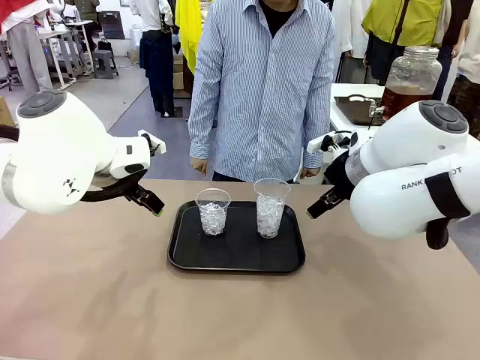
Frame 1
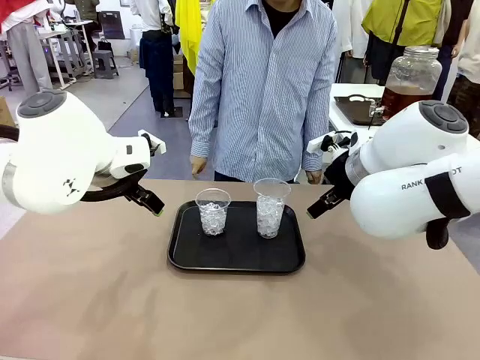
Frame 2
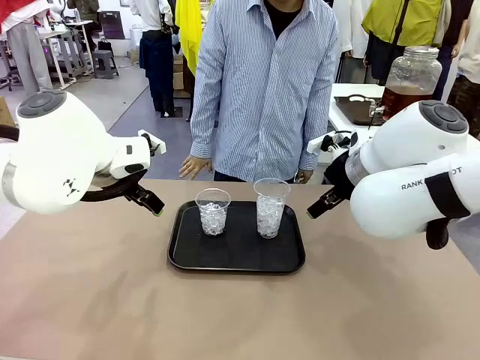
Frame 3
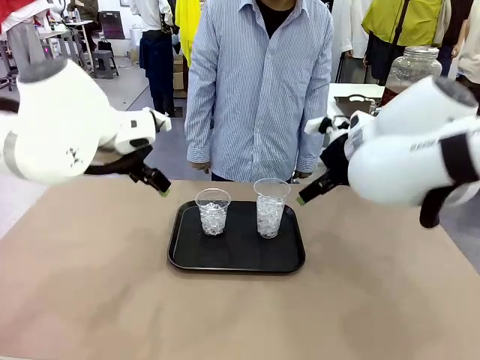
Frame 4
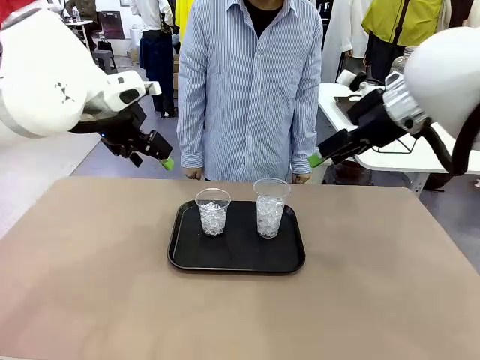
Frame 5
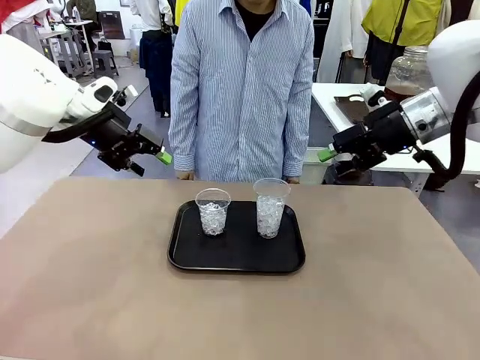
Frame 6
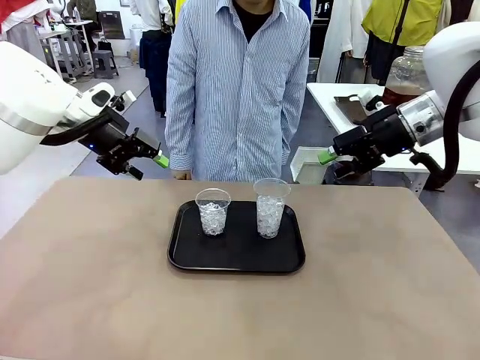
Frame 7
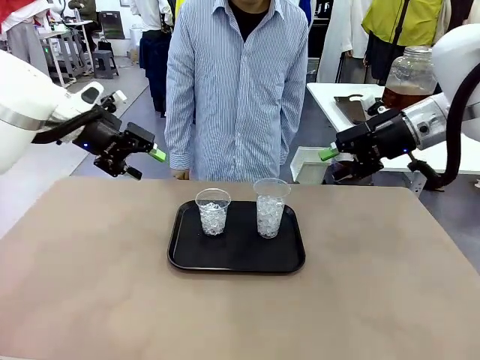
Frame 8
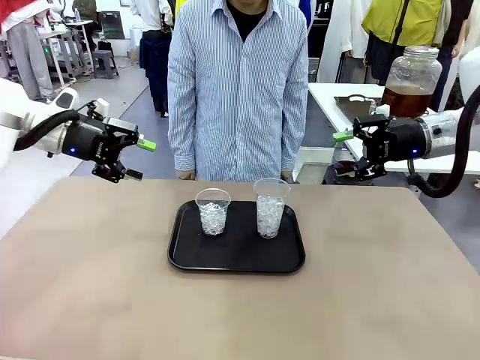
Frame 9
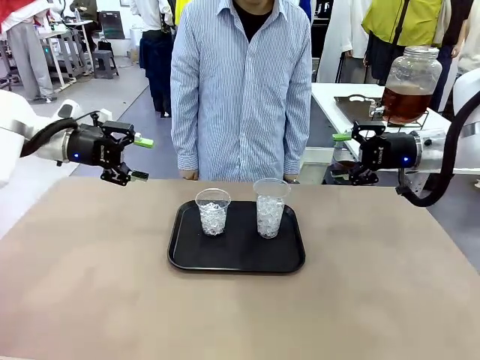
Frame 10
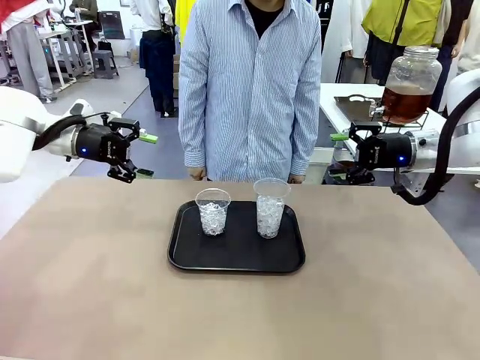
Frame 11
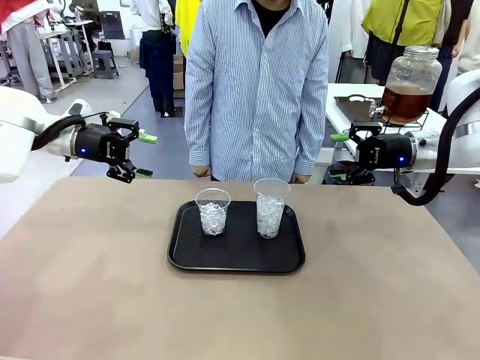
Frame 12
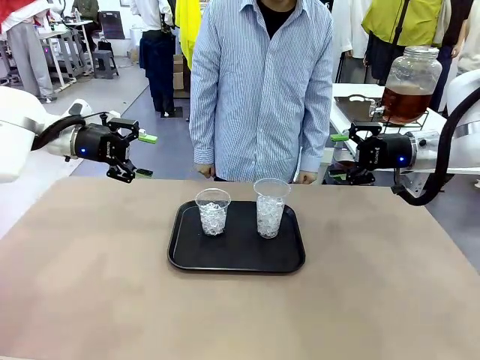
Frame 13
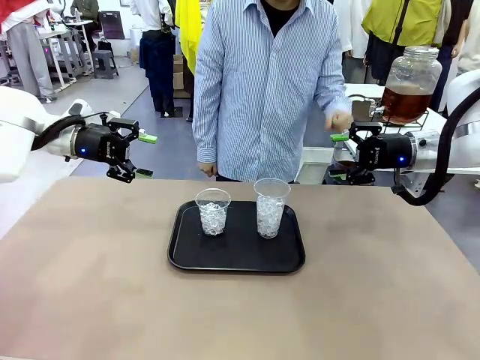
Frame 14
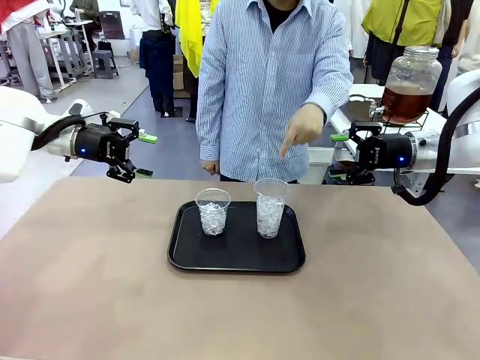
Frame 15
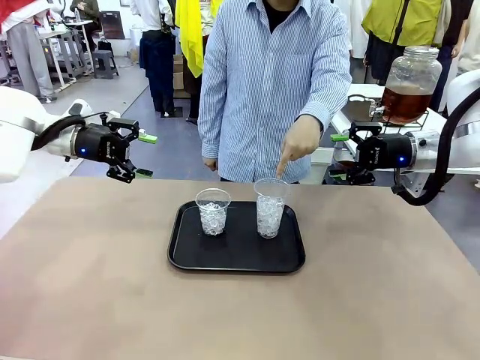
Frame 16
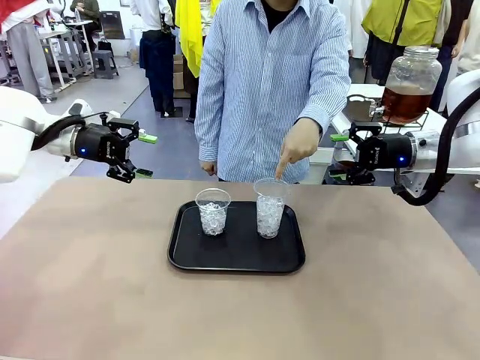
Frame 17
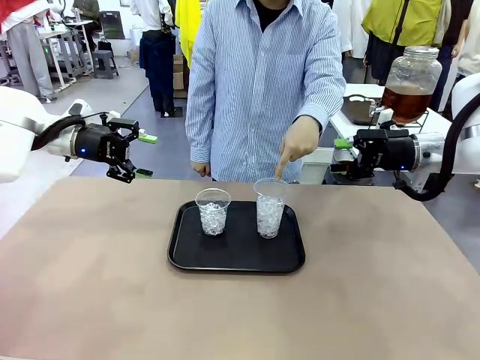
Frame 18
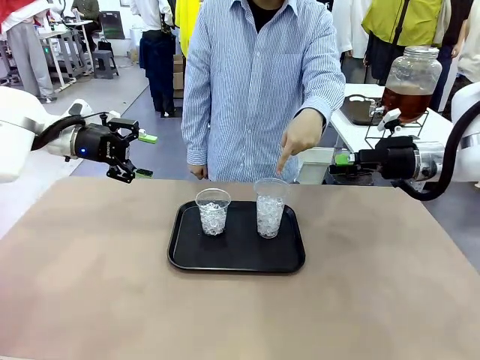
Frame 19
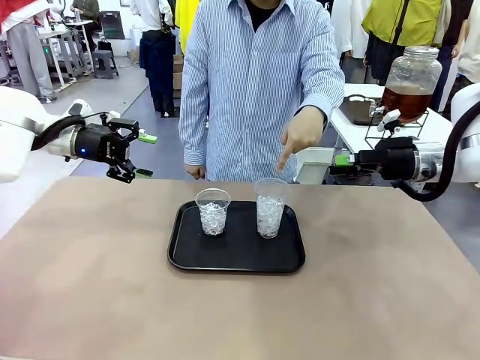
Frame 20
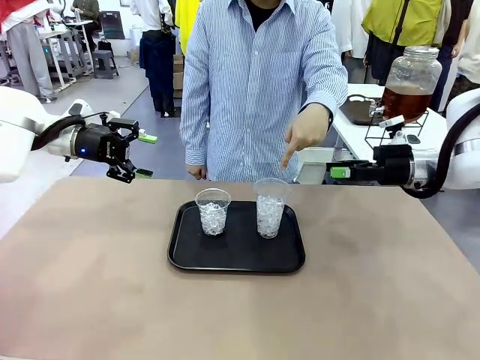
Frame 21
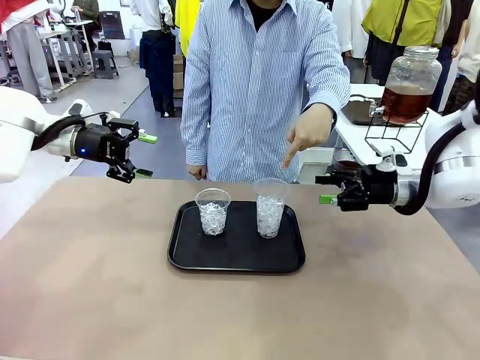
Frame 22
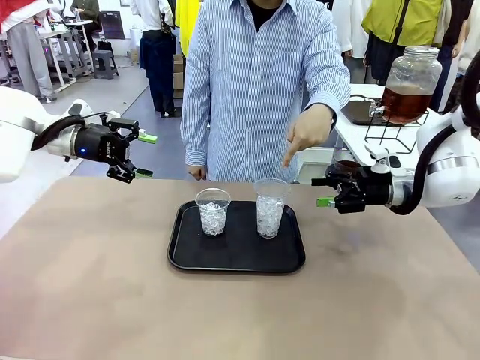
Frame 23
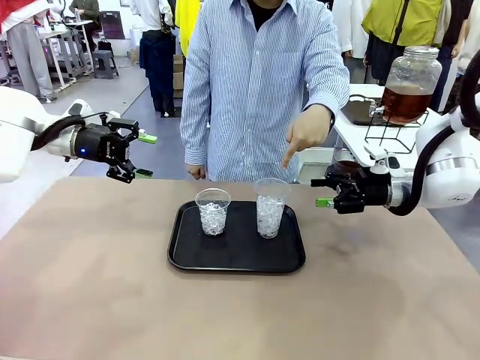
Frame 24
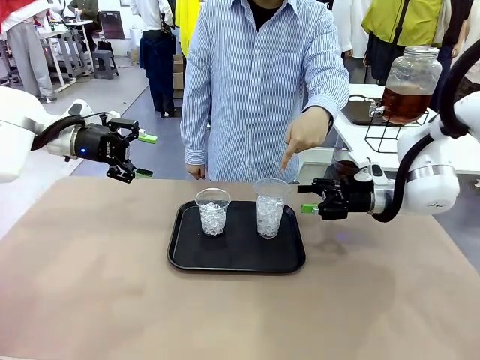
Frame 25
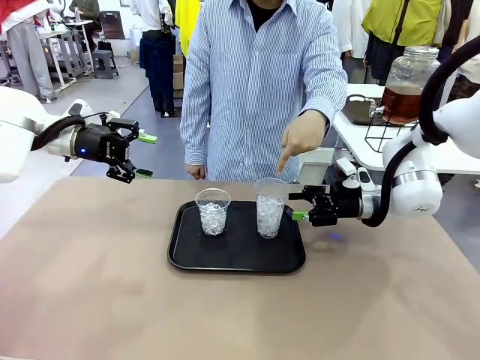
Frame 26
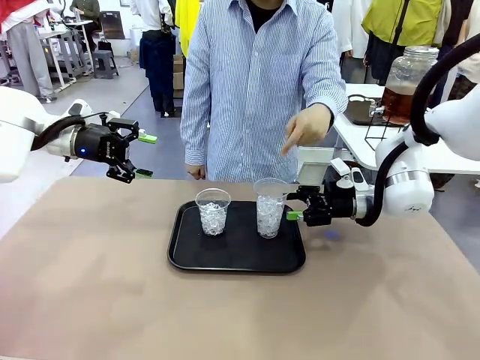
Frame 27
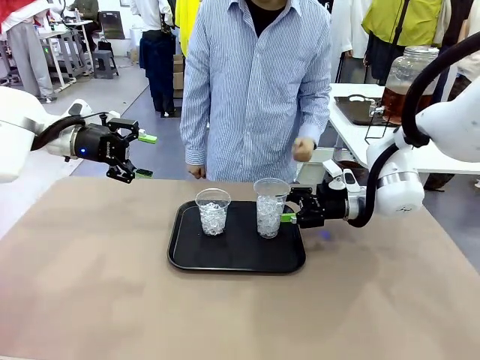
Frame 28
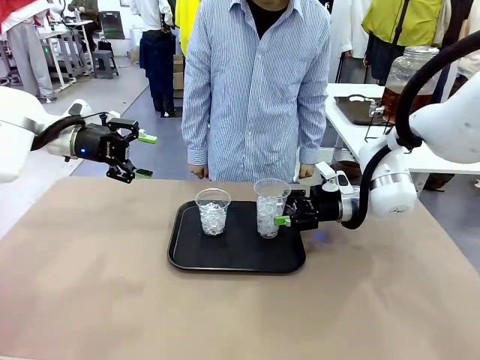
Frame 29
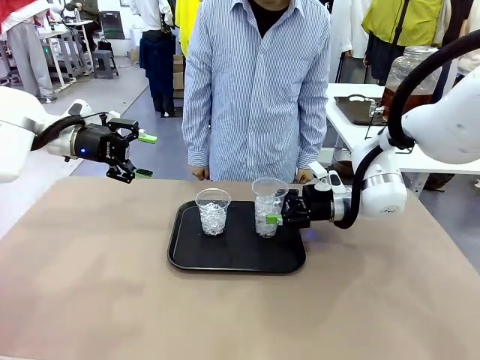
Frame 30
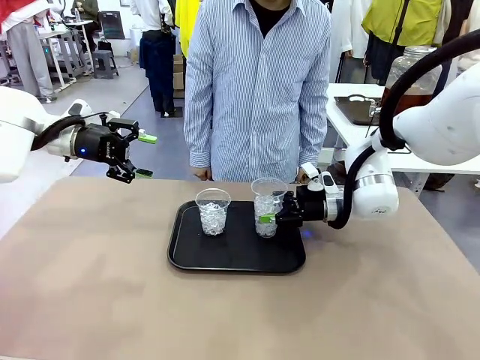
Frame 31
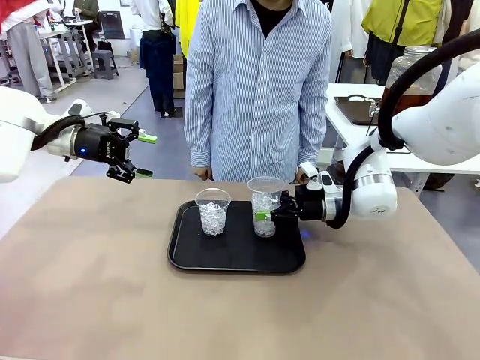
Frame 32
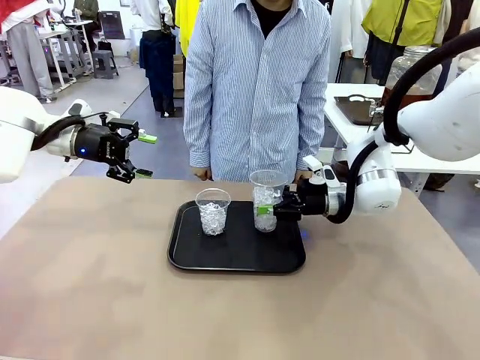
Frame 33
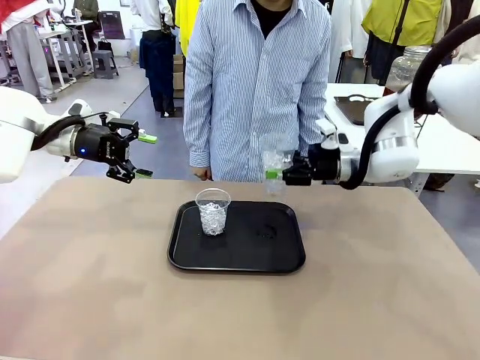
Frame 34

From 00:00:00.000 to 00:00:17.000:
Task: Pour the drink into the iced cup.
Robot: Pick up the iced cup indicated by the human and present it to them.
Person: Point to one of the two ice cups. Pick up the cup offered by the robot.

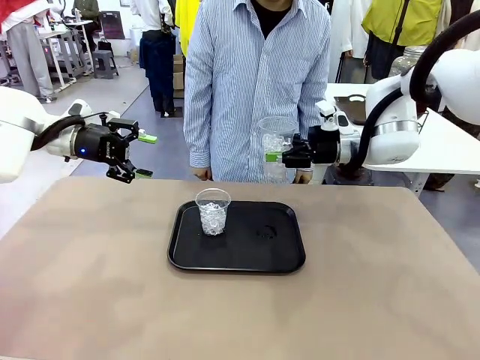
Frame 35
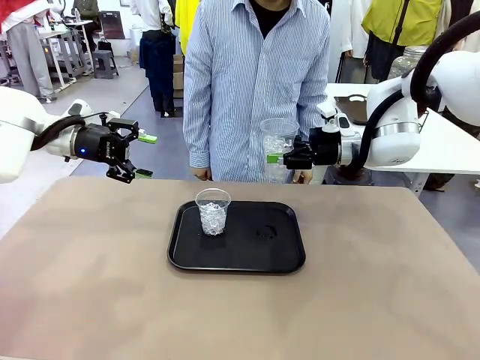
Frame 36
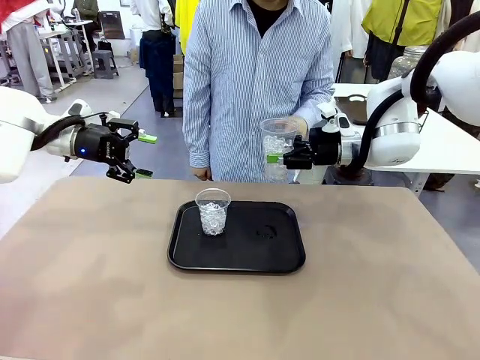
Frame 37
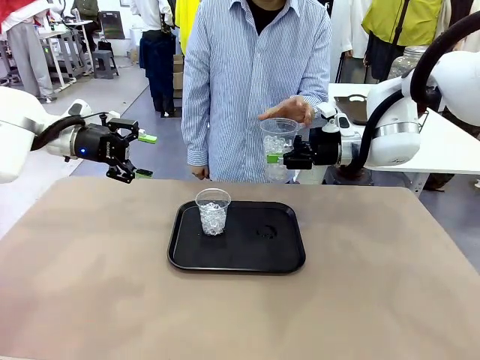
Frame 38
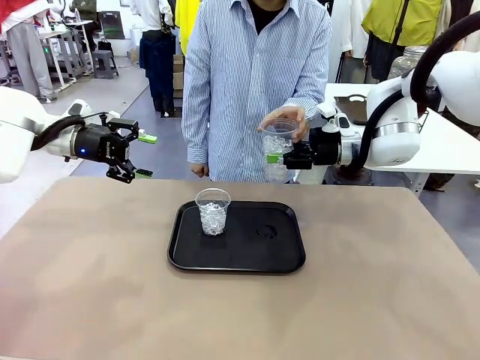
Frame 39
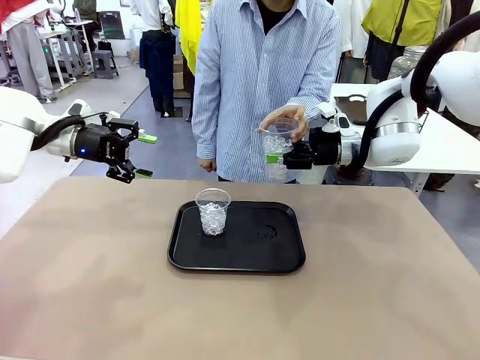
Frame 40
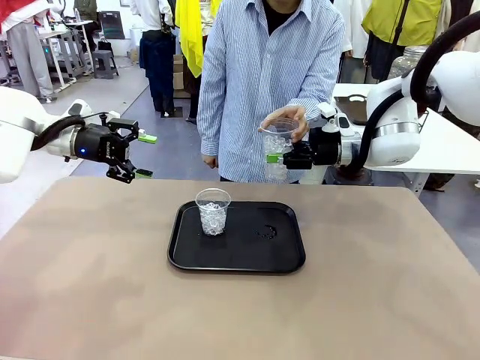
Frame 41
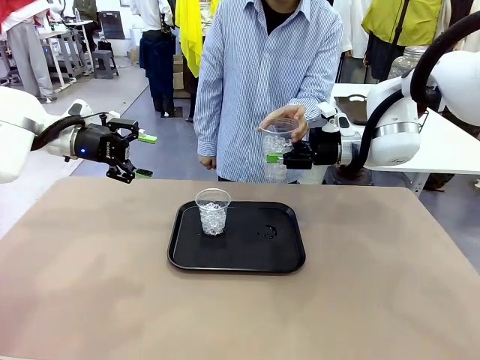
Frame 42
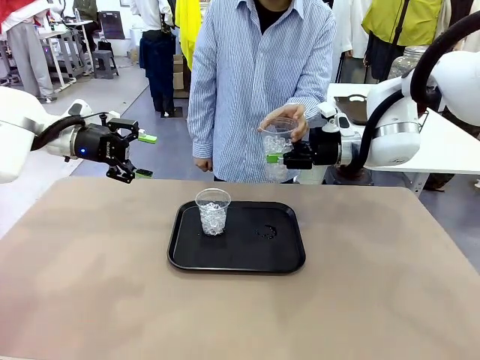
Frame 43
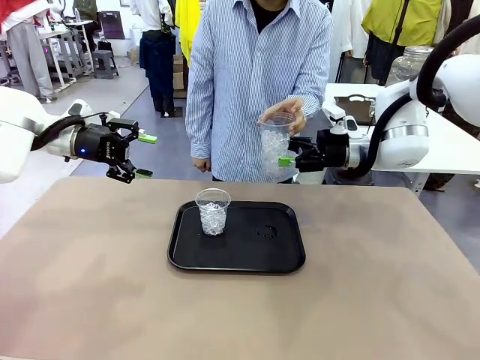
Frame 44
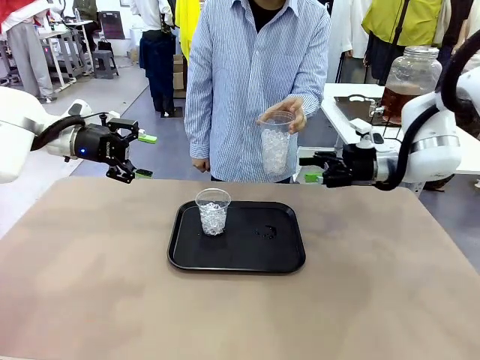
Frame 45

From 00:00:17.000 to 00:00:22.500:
Robot: Open the gripper to release the iced cup you were holding.
